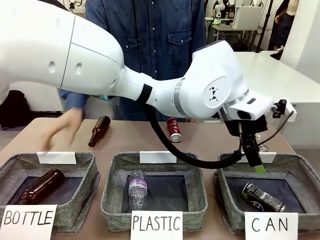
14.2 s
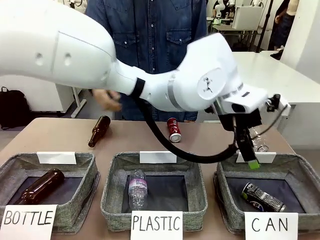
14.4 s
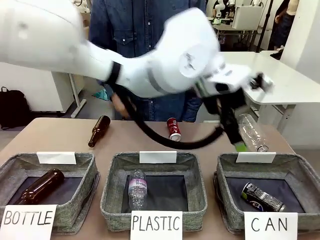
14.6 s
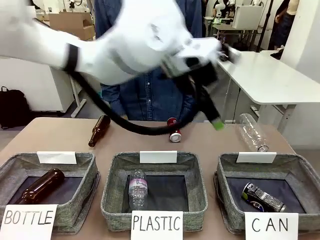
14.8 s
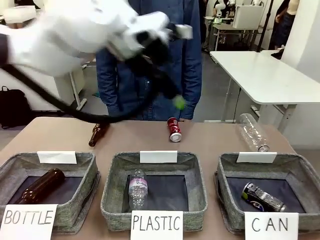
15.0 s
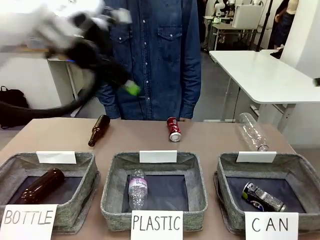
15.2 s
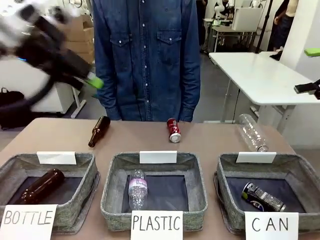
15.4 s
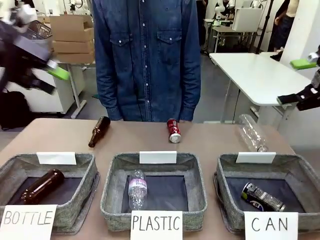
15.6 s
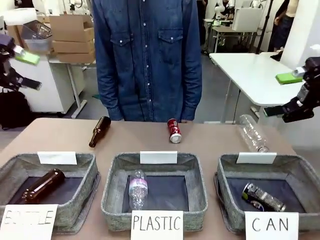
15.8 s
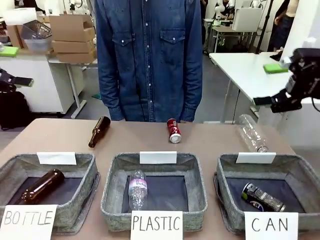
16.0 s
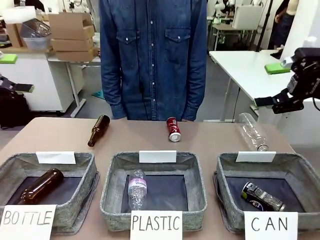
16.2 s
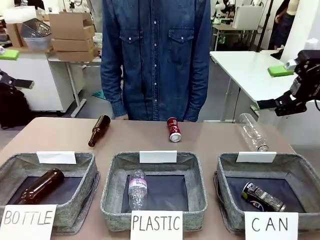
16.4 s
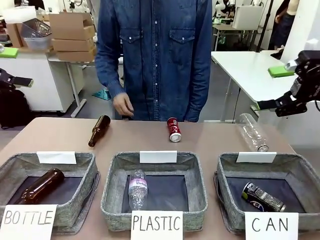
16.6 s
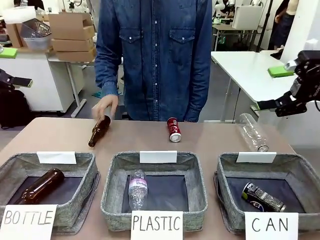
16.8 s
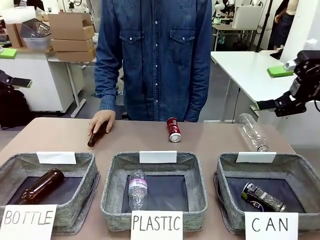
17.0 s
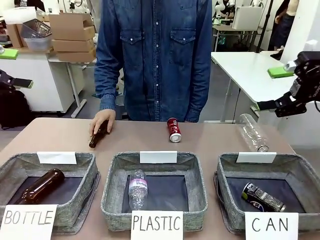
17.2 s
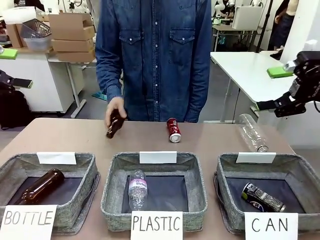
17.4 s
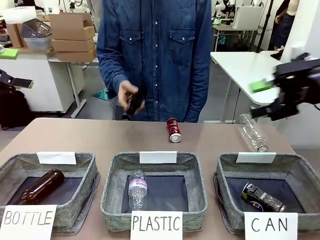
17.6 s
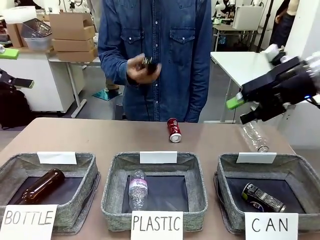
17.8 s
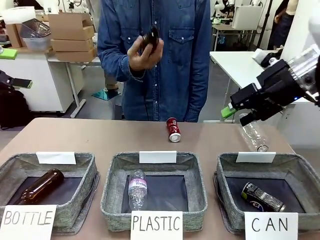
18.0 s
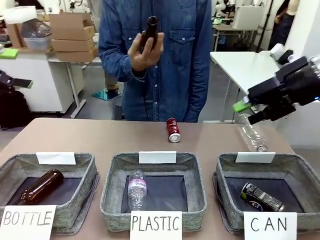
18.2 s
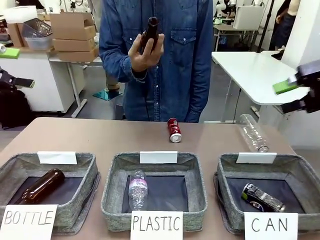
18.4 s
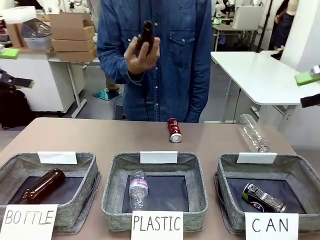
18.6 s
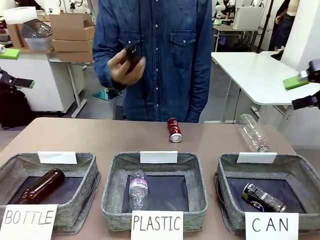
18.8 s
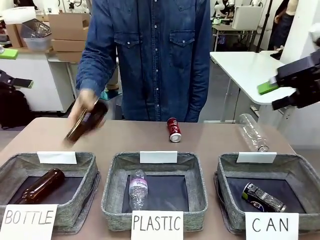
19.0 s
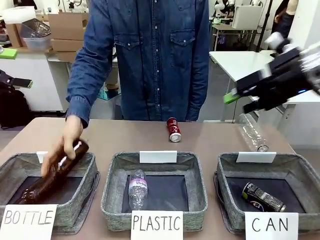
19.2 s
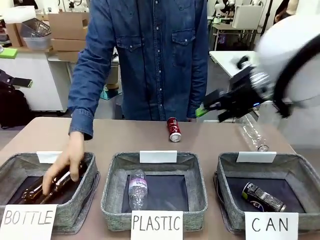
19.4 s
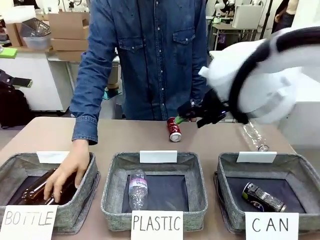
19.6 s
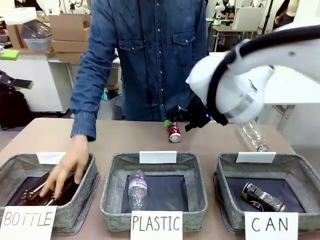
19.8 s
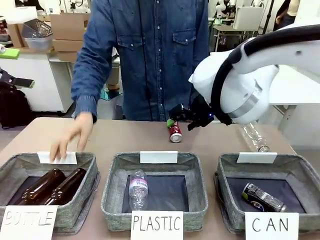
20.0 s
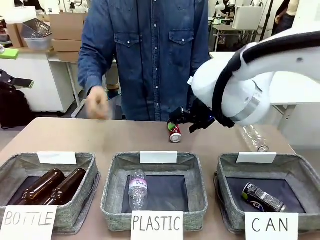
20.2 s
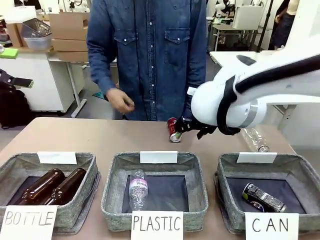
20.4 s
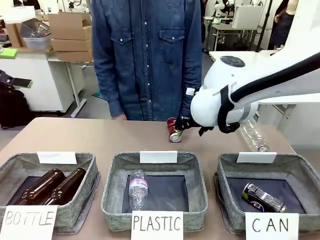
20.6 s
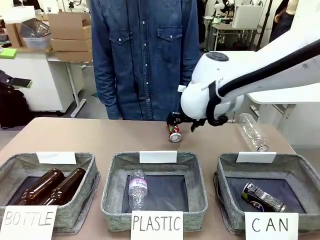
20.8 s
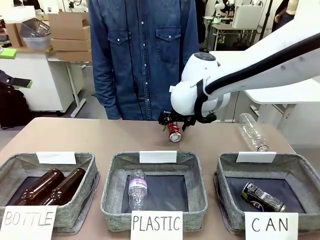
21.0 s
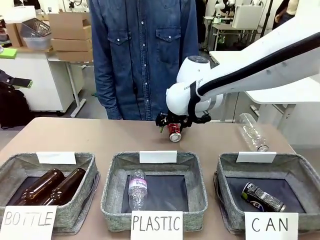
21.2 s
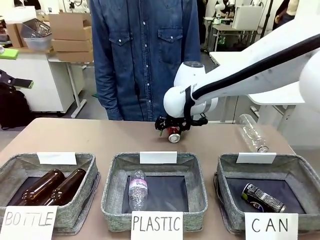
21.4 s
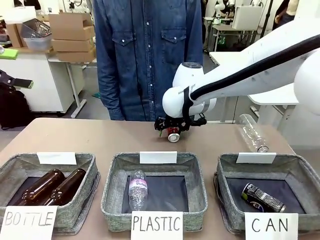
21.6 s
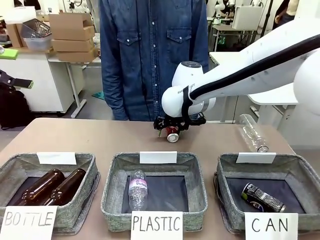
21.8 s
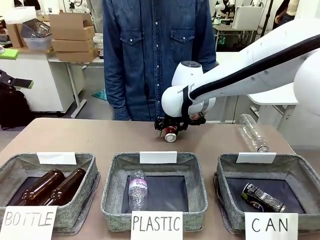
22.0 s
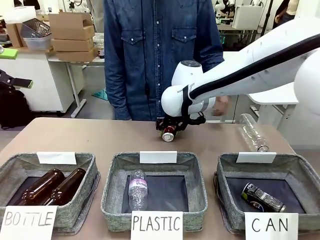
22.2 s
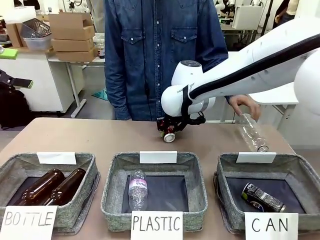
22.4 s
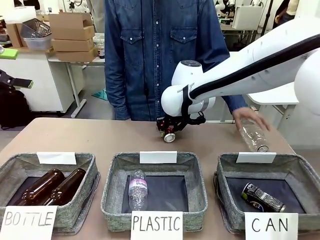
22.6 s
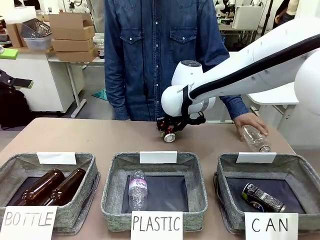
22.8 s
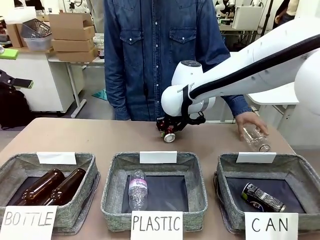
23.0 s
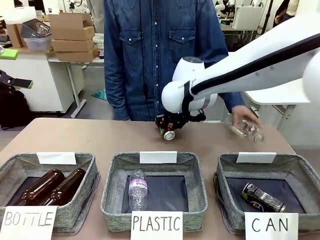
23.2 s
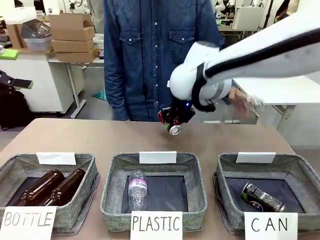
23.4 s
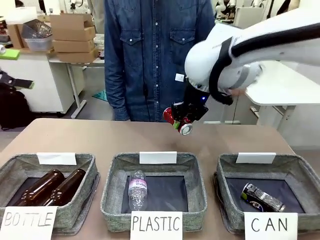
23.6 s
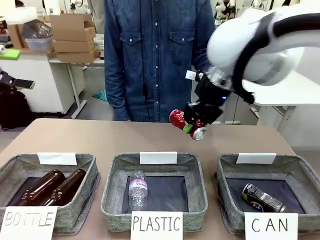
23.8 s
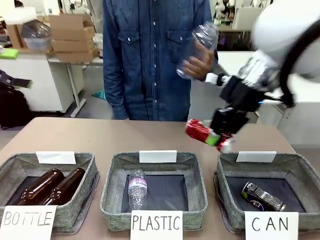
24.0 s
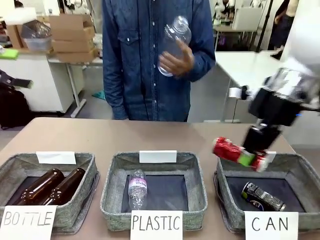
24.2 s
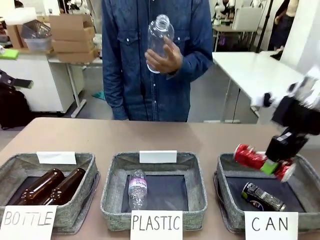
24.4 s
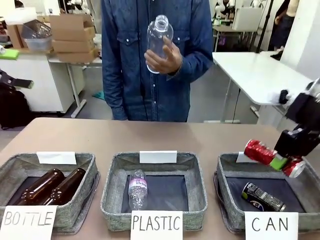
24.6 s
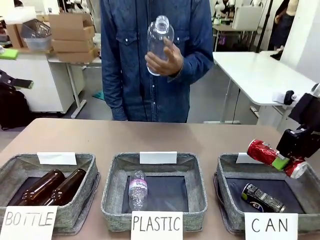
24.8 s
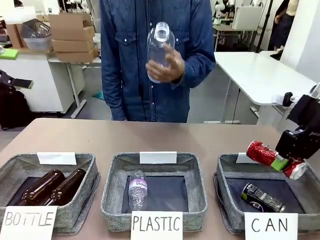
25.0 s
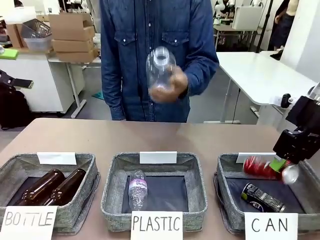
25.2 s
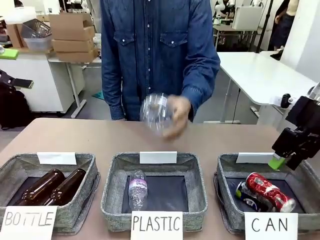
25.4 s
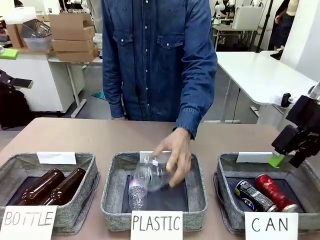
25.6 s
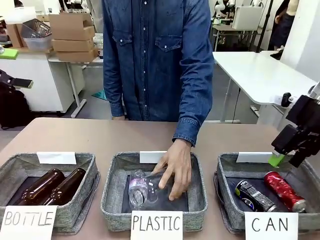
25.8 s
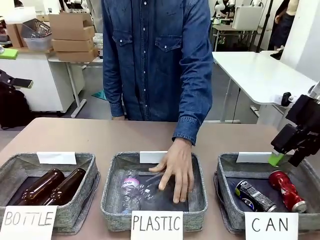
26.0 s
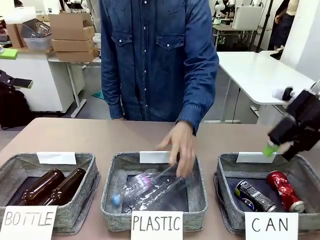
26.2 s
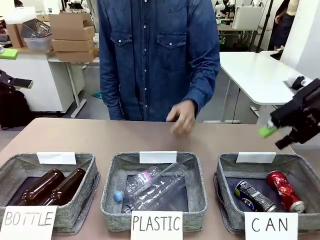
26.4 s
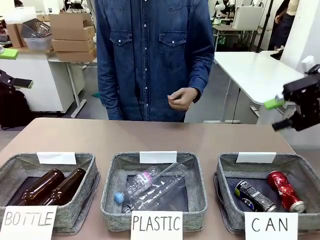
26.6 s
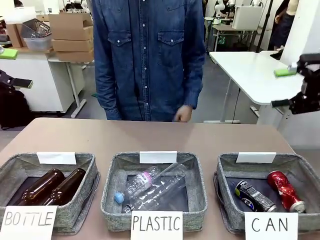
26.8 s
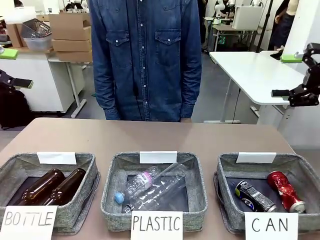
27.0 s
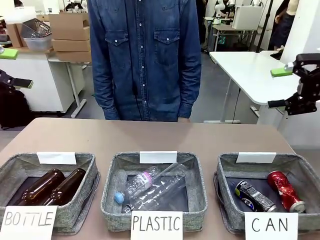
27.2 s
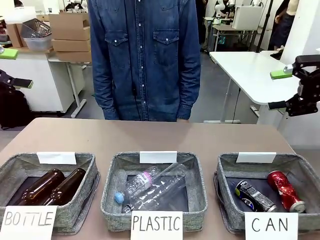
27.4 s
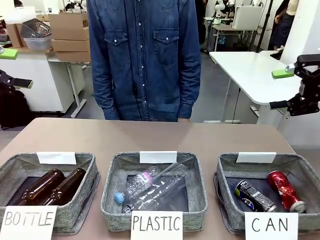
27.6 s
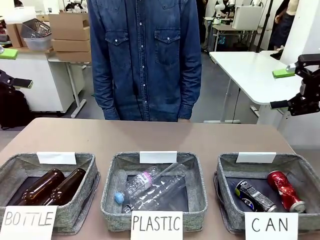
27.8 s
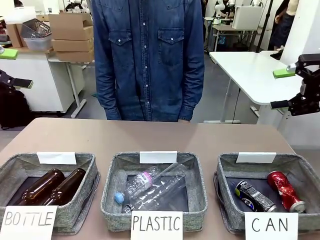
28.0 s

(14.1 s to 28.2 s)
Task: Sort the can waste into the basket.
Robot: Pick up the can waste from the table and place it in the right Fabric basket.

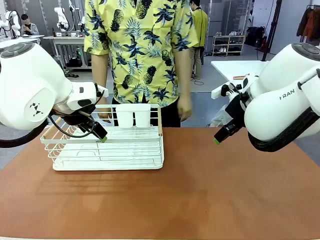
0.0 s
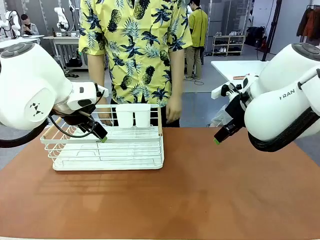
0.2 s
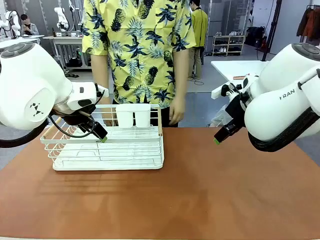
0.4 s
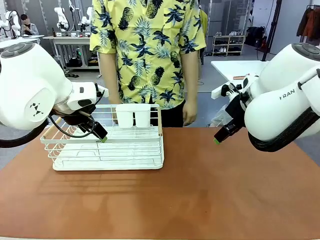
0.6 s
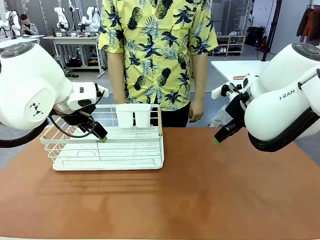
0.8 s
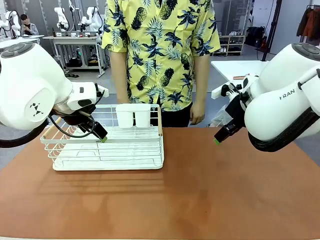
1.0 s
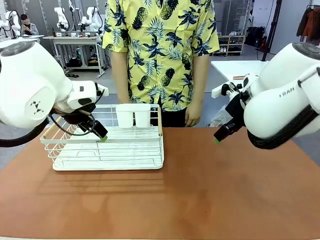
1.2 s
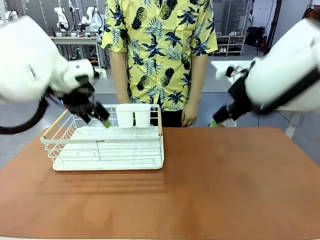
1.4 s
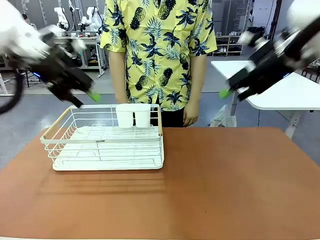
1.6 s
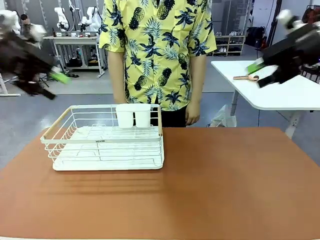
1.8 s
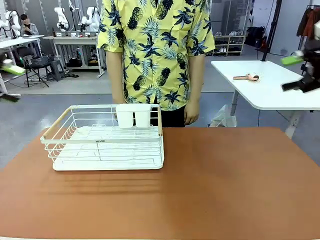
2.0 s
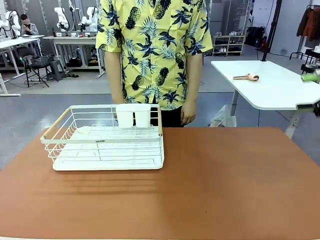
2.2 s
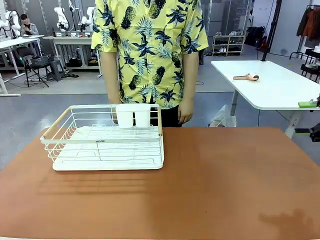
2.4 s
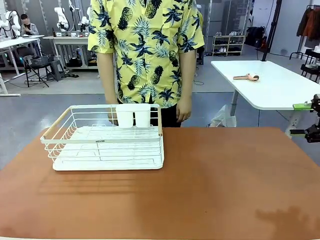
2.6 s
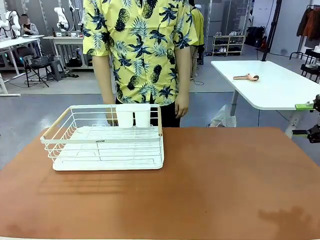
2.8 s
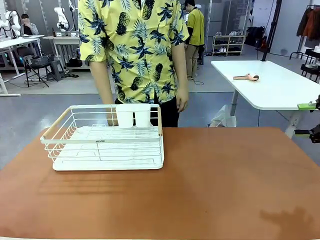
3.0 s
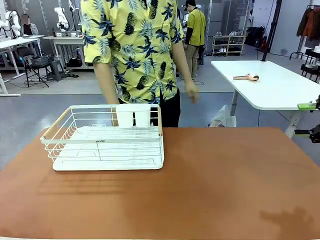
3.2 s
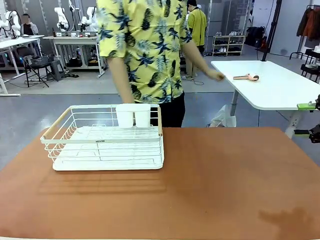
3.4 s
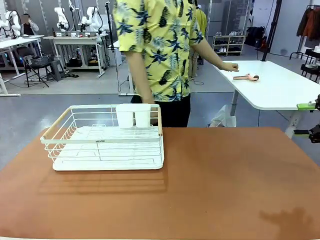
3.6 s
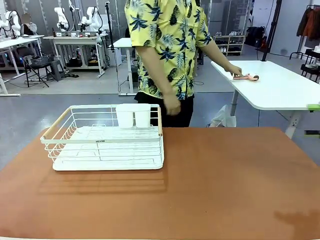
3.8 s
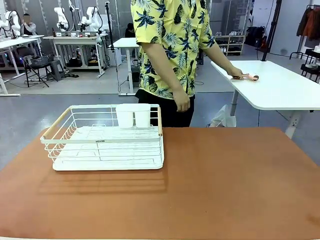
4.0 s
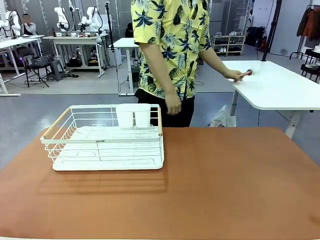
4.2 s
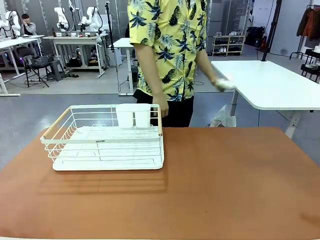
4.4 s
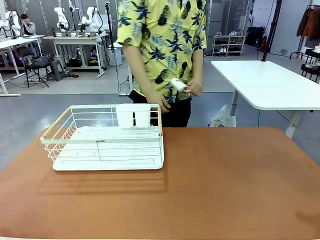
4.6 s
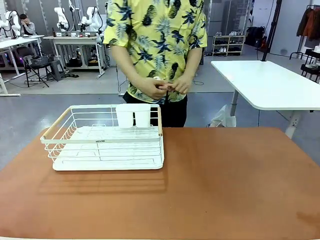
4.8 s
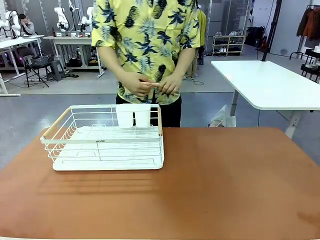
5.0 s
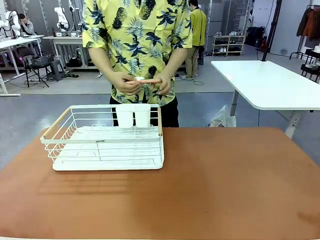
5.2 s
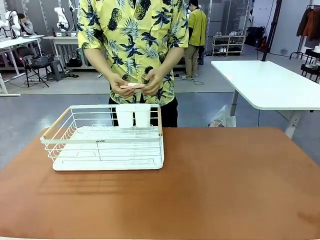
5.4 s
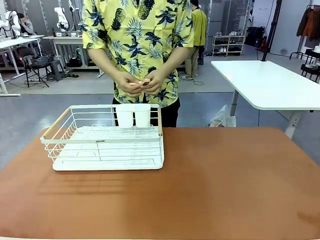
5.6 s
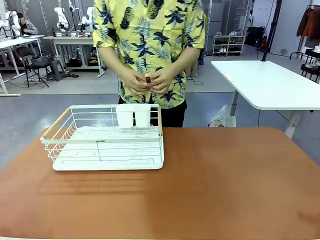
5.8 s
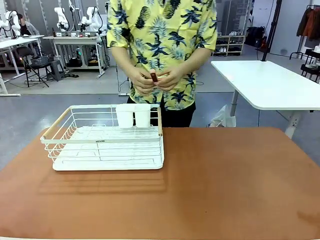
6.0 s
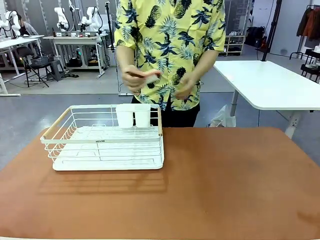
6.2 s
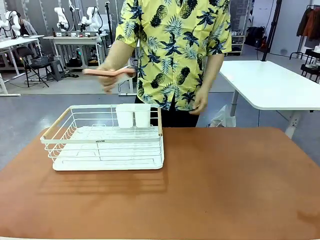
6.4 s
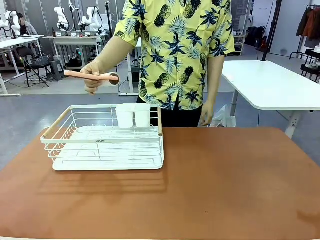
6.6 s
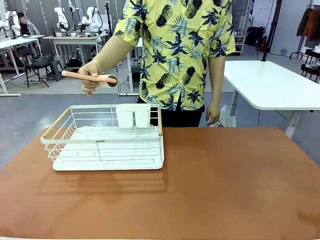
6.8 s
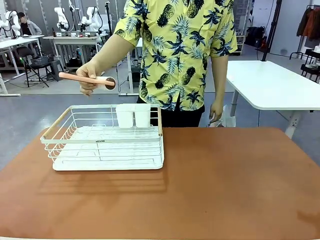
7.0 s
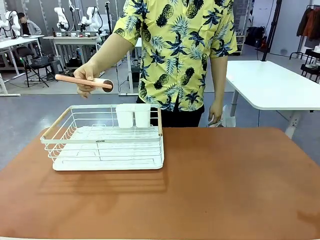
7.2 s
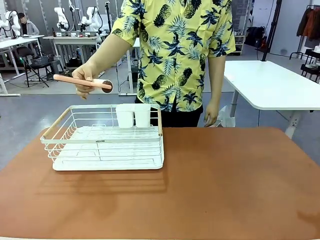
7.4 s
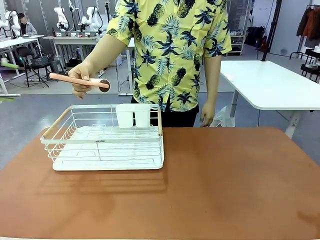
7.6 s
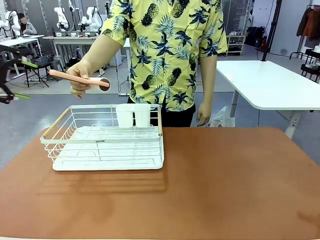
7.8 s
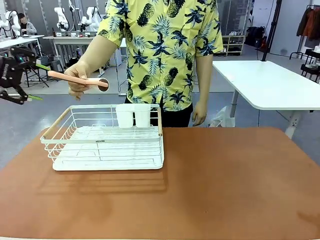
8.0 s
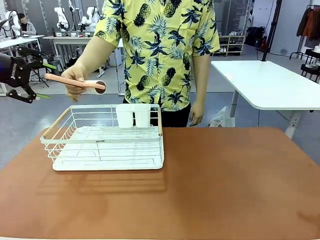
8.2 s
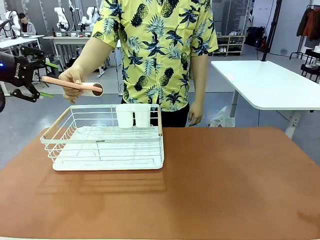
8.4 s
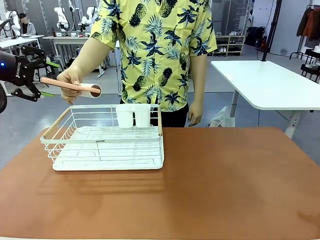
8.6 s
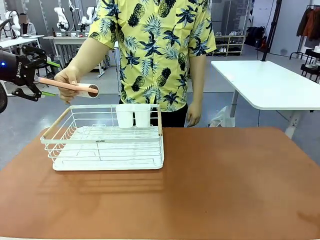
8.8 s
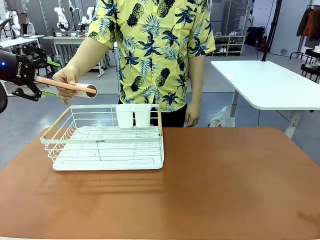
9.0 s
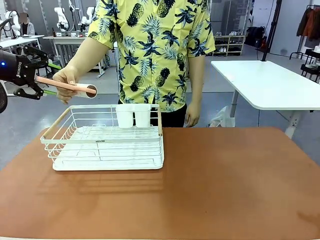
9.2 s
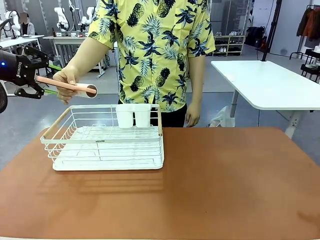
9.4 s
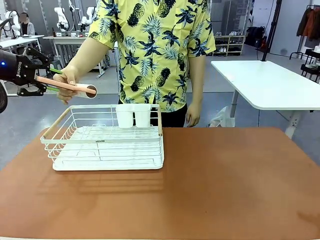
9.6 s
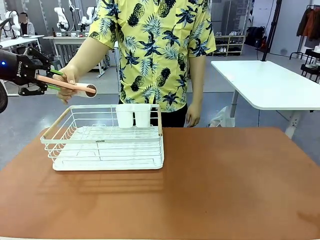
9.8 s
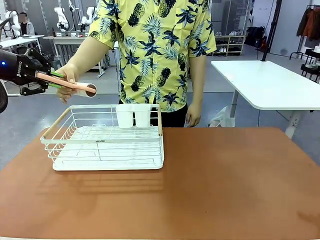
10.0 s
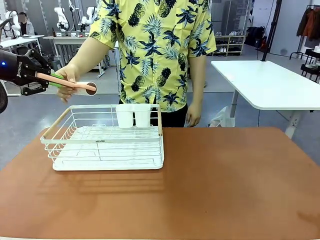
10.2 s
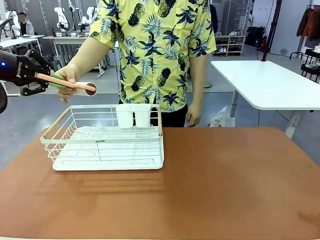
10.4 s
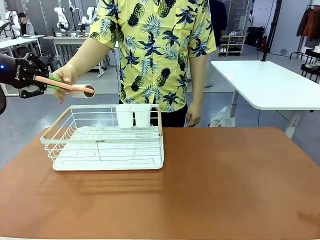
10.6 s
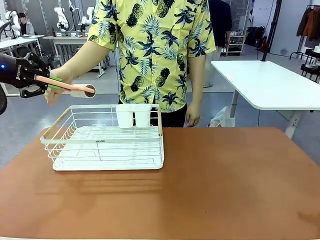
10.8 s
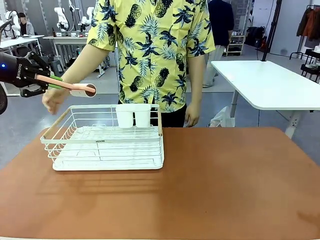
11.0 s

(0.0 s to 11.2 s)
Task: Clean the table.
Robot: Pick up the Lint Roller when the human hands it over.
Person: Hand the Lint Roller to the robot so it can easily pick it up. Lift the Dish drying rack.
